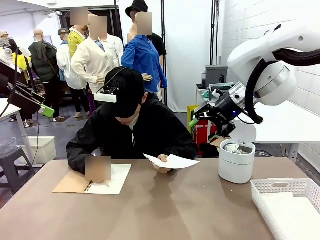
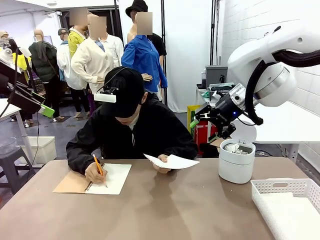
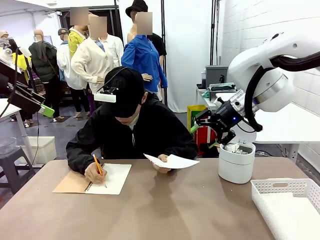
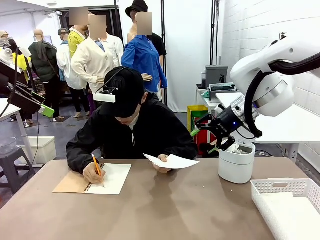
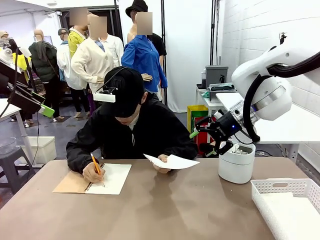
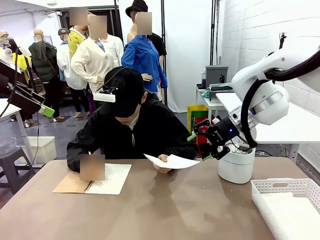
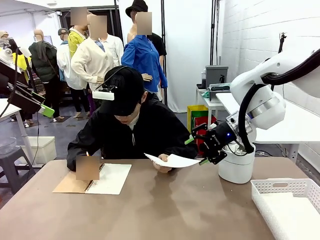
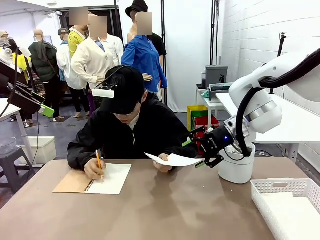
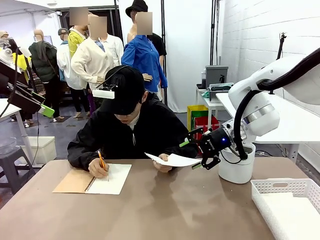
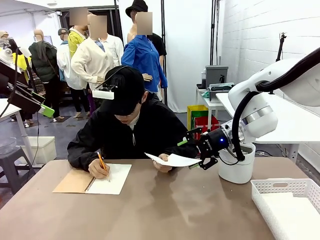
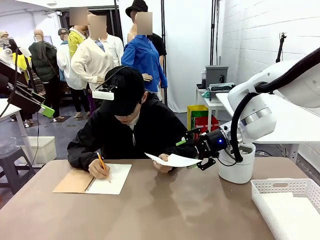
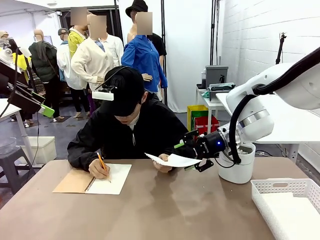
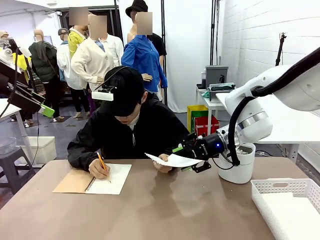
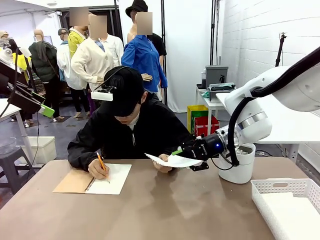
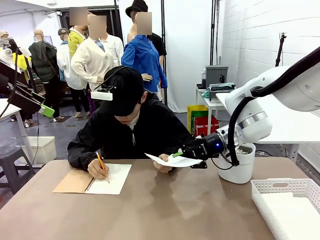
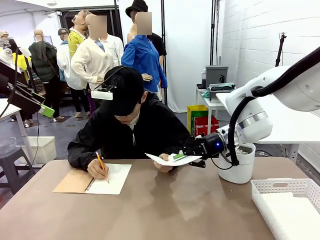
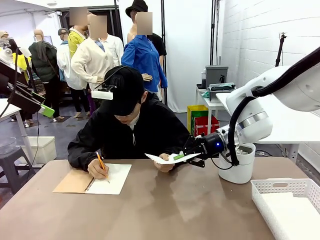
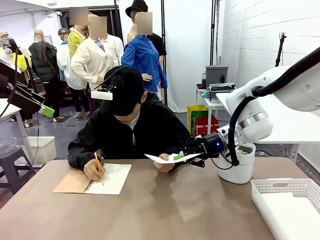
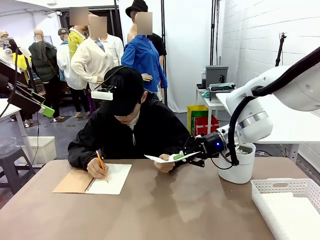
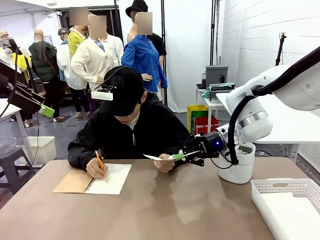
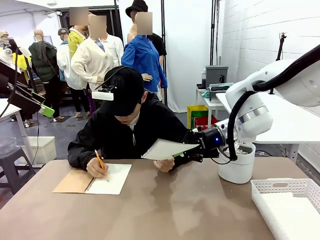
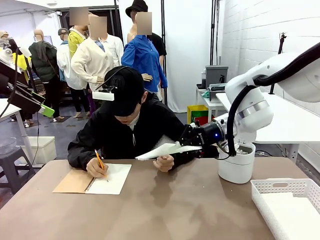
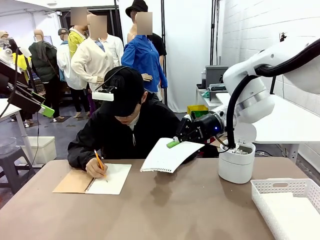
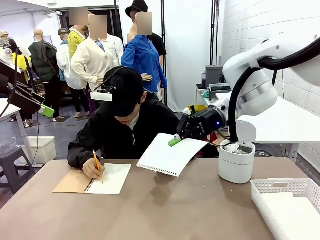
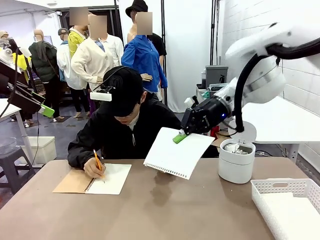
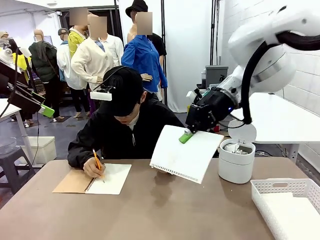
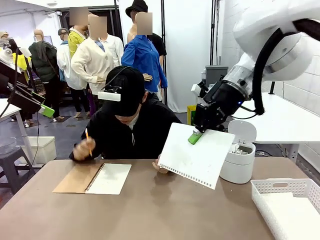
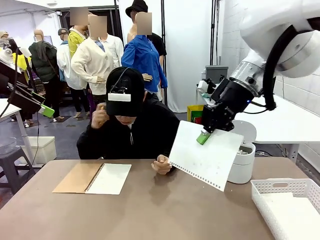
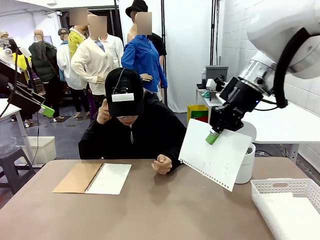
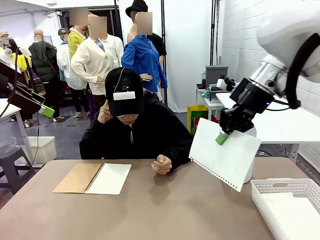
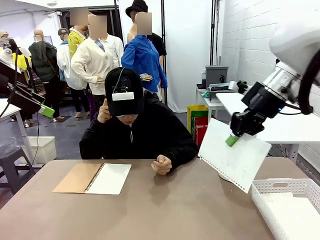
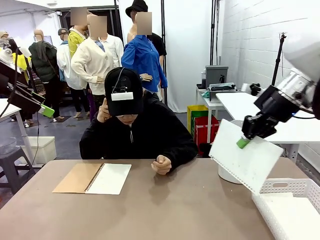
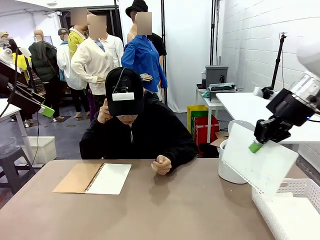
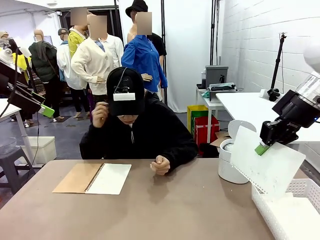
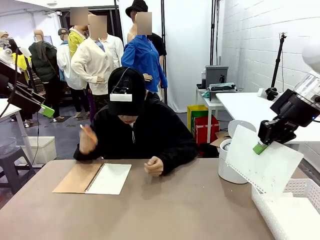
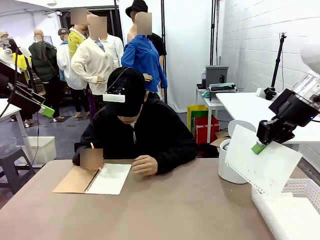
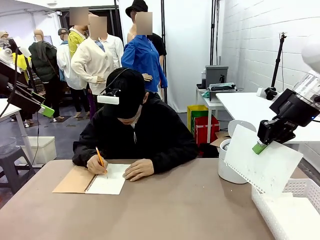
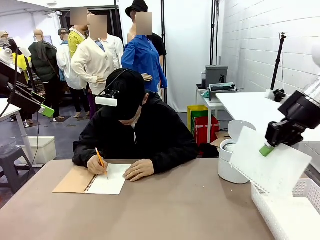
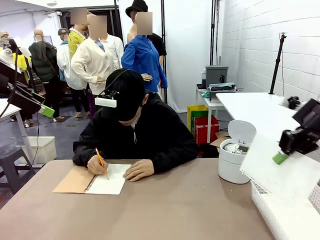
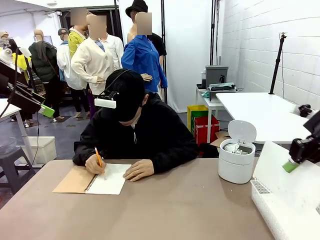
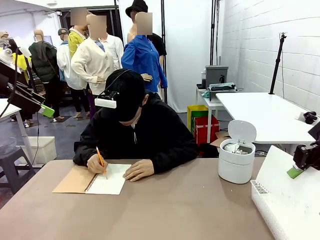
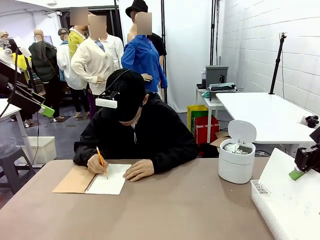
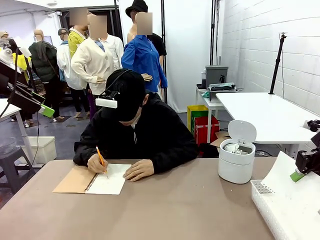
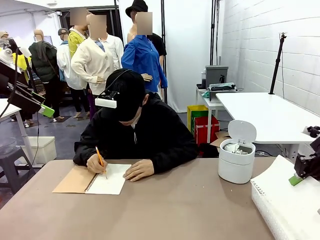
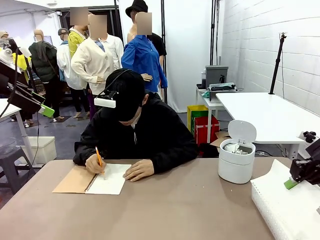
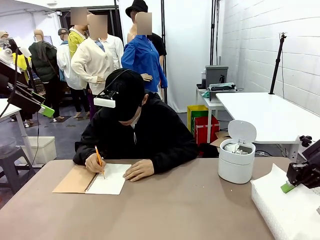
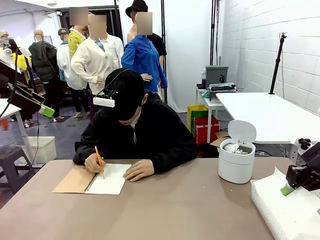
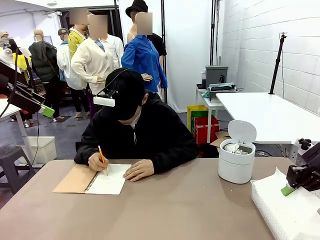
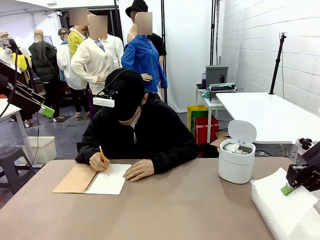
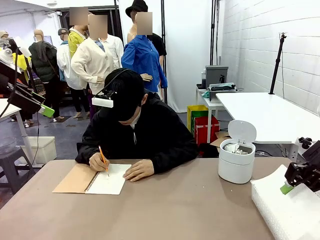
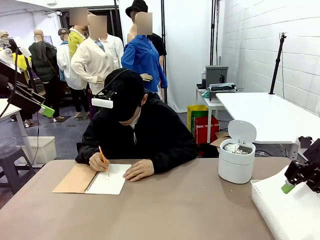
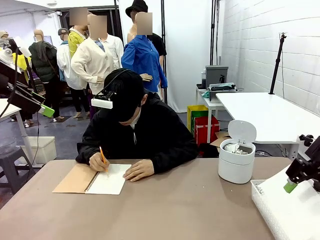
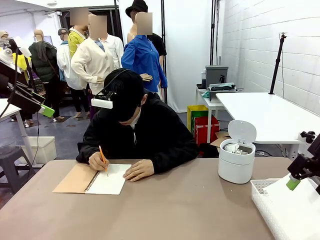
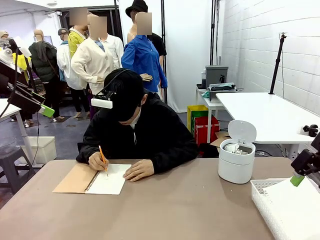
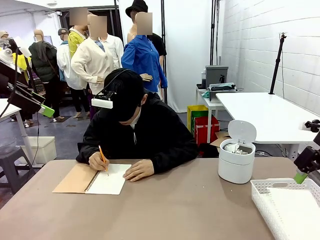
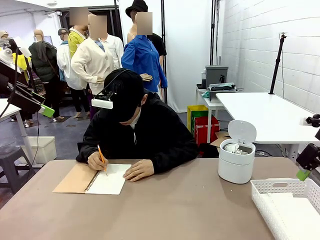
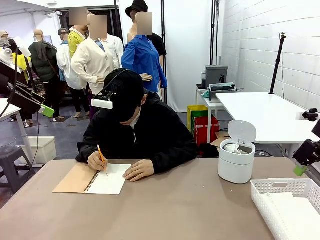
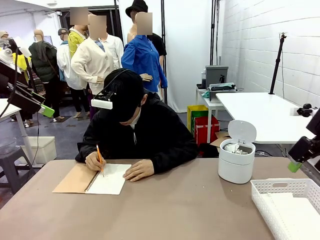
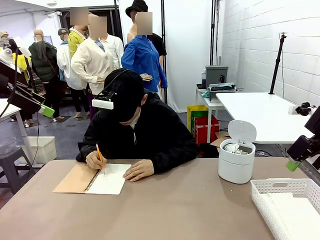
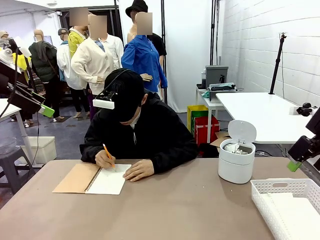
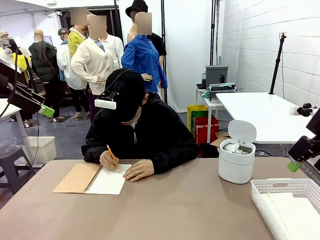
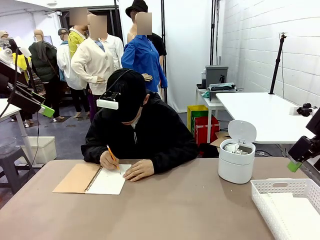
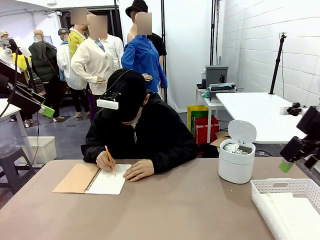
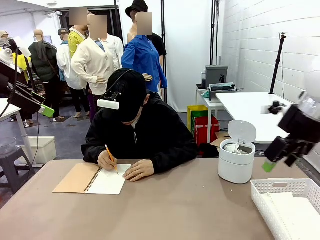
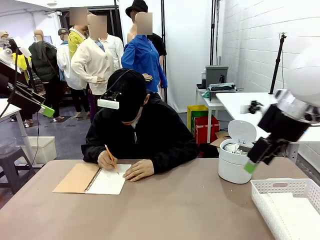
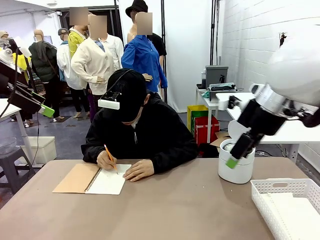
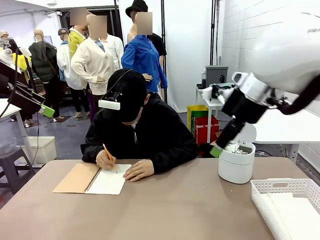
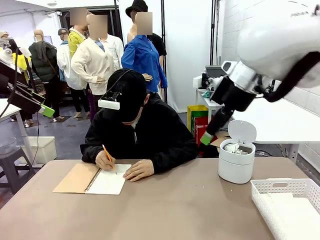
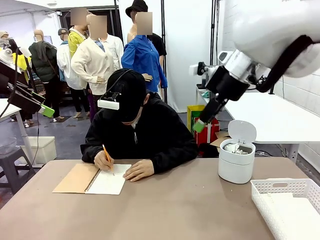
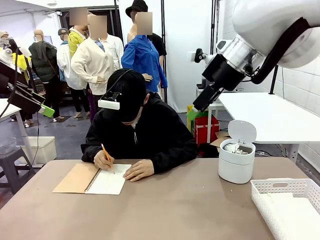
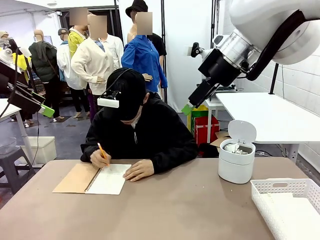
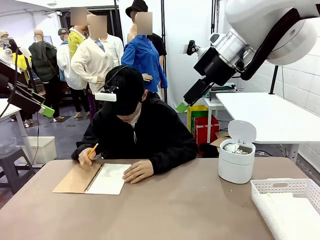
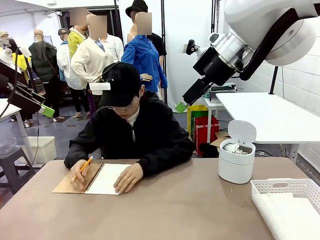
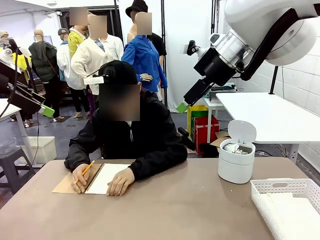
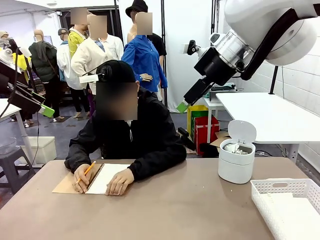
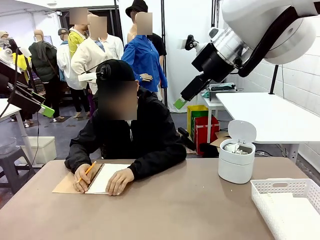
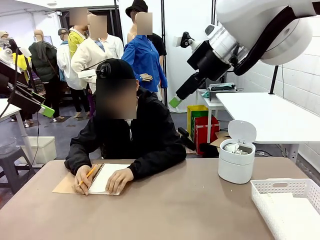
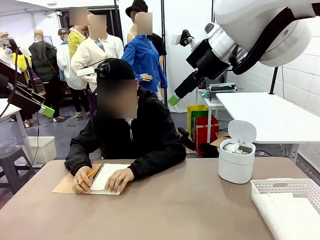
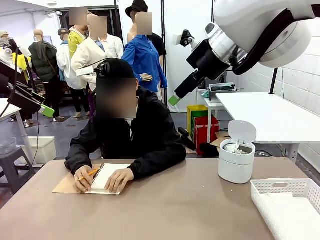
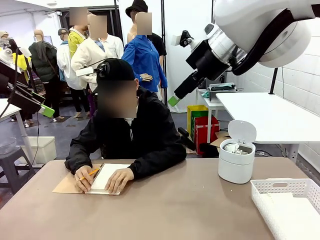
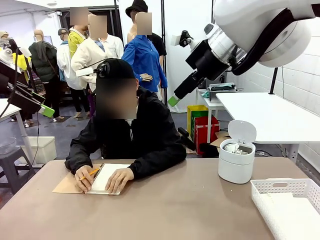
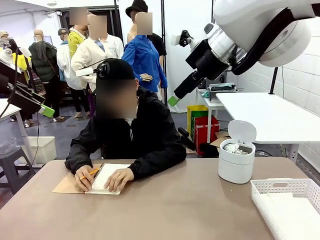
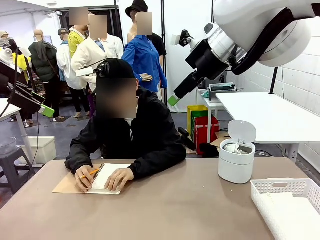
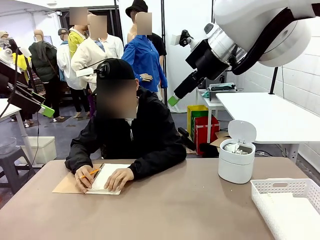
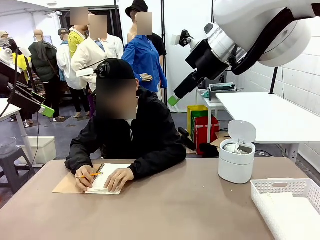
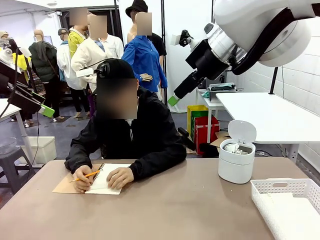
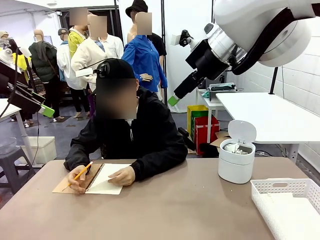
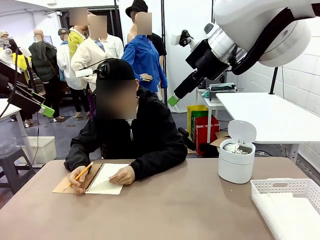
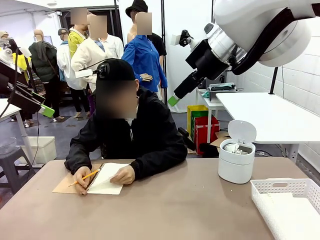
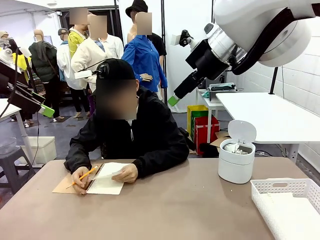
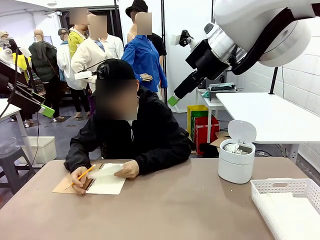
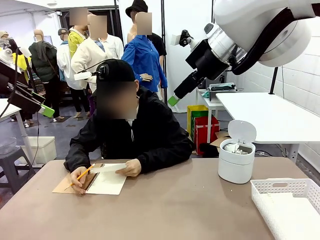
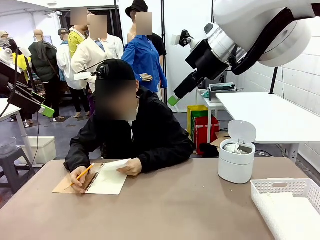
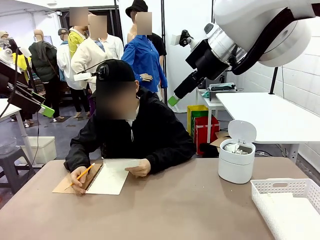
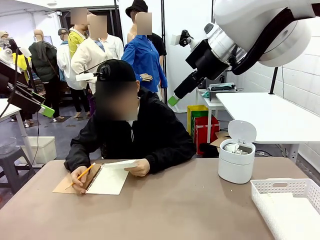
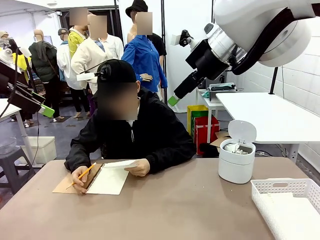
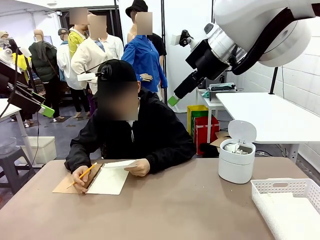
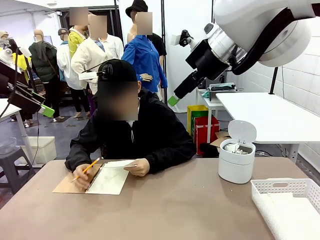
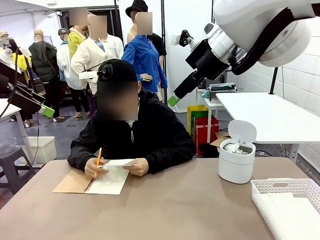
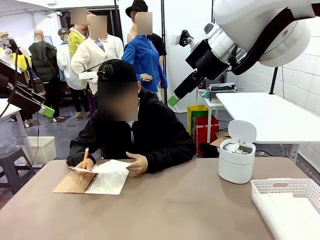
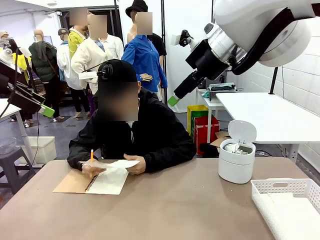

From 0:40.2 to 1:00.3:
Task: Sort the paper based on its condition.
Robot: If a person hands you a paper, place it in the Organizing basket , and if it's crumpled, put it in the Trash can.
Person: Tear out a page from the spiral notebook.
